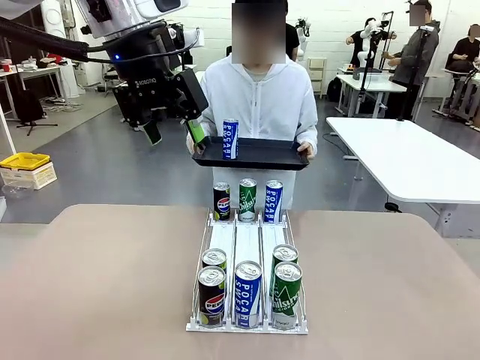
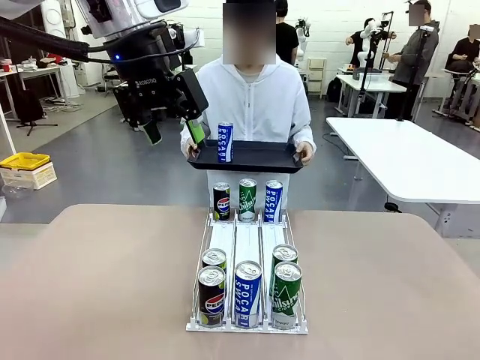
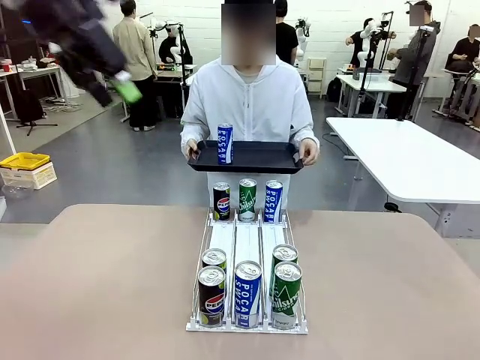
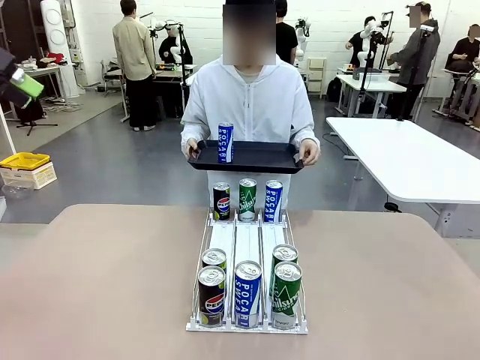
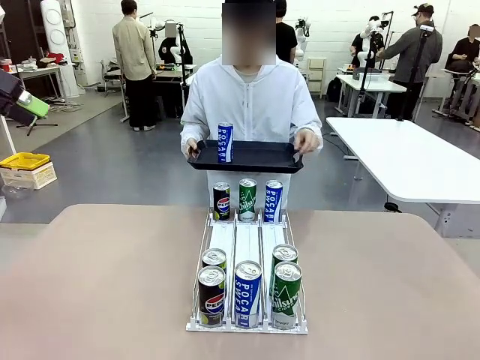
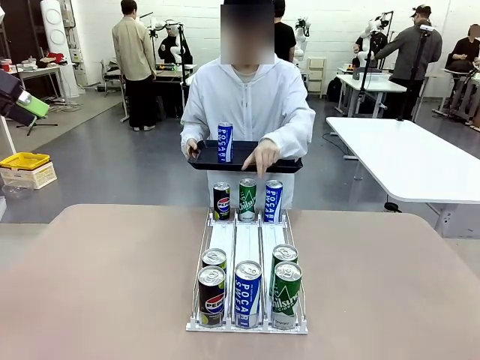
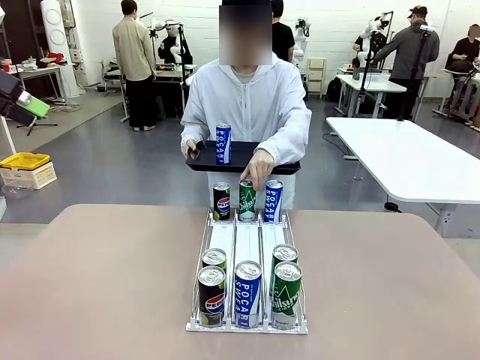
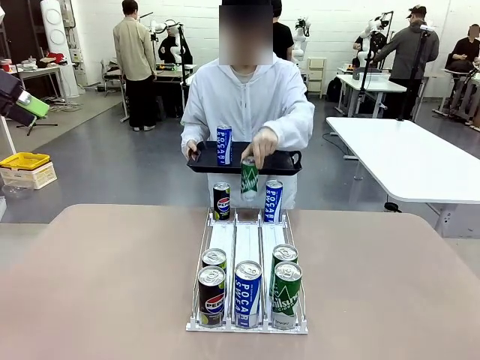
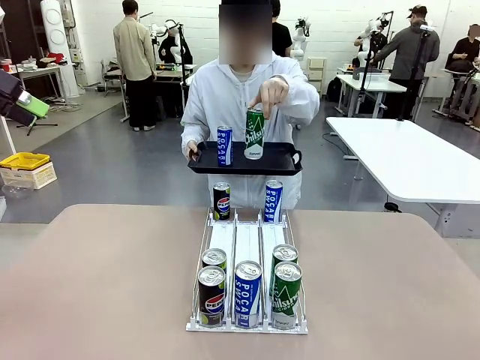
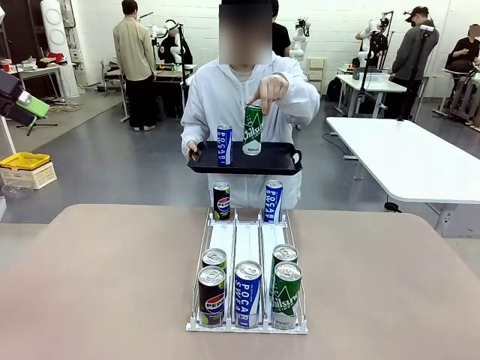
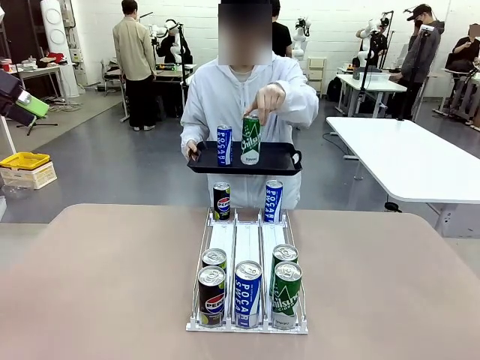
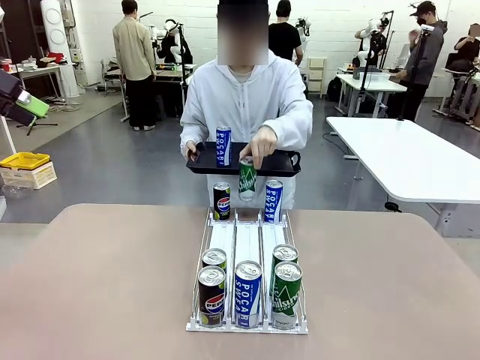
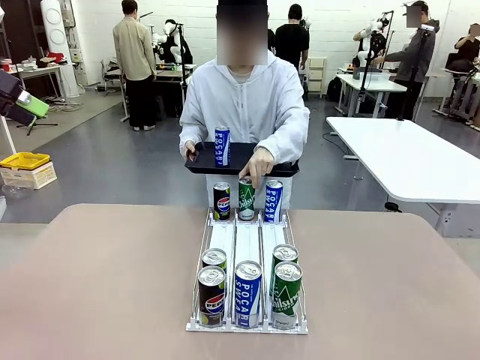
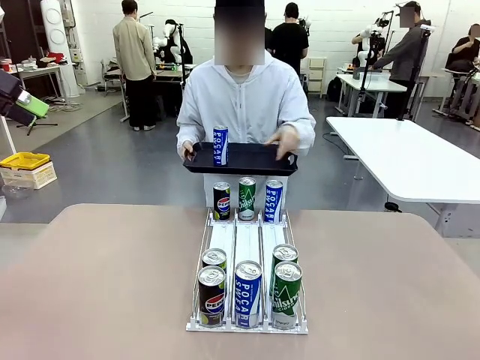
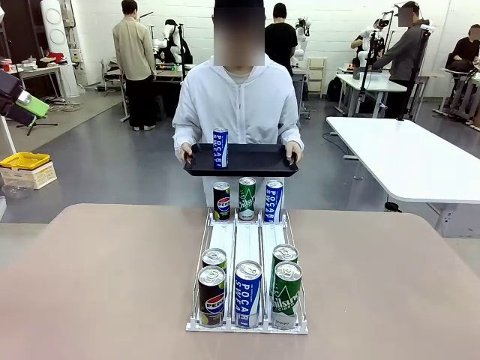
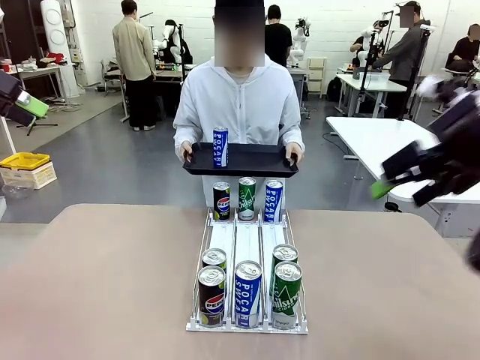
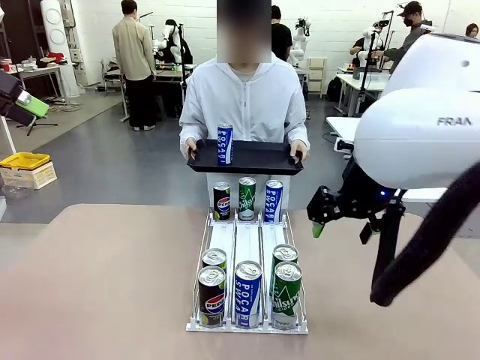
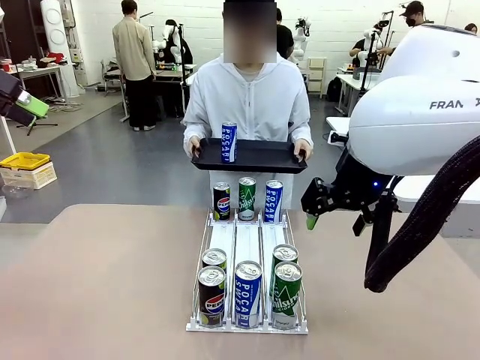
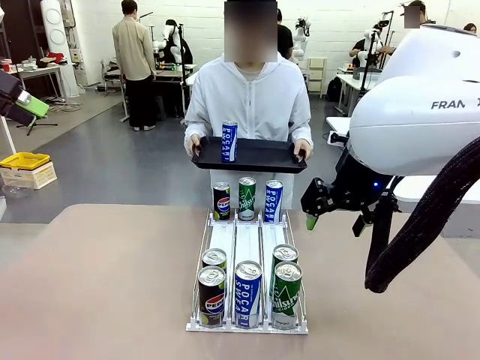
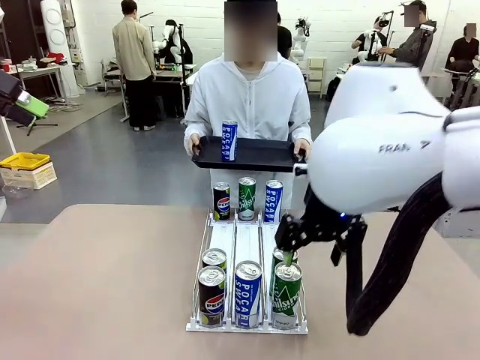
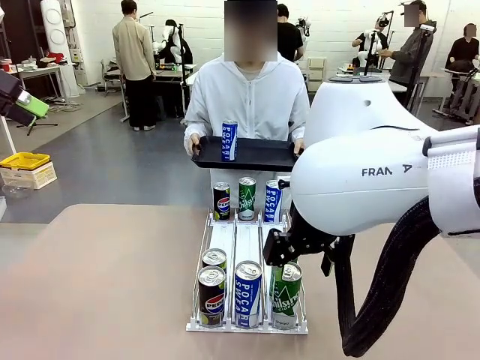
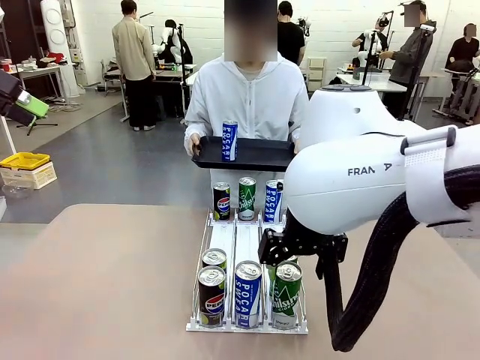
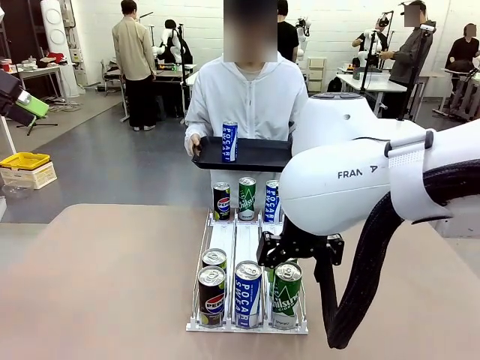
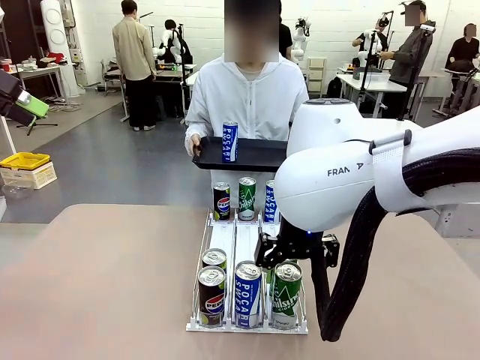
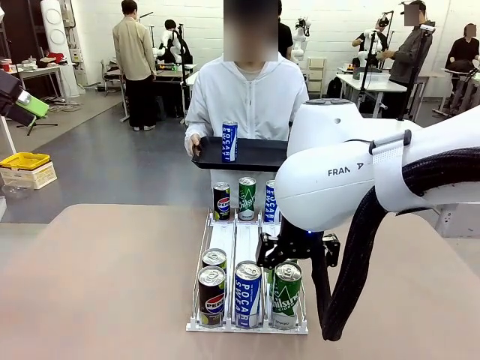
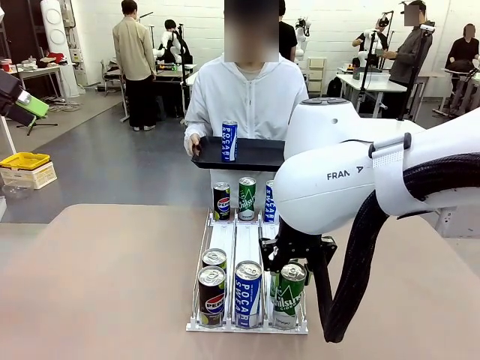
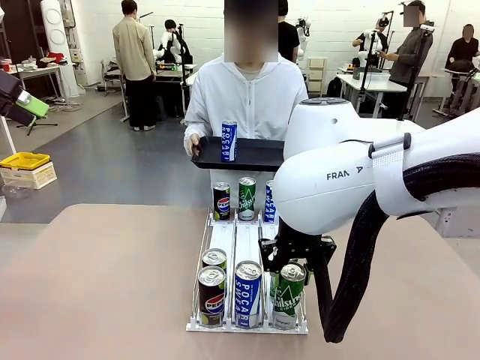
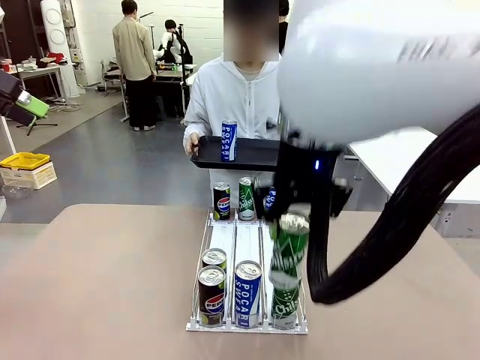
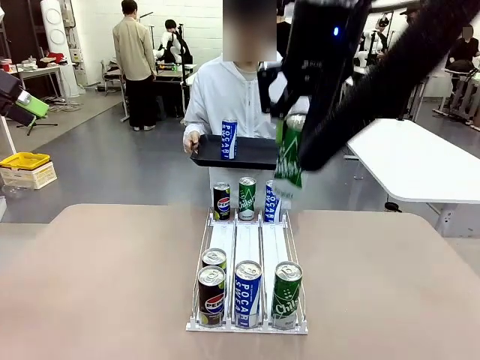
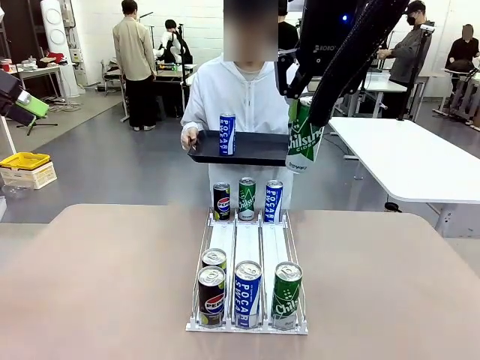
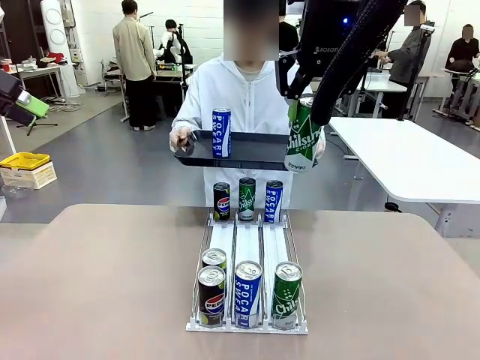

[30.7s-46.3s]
Task: Retrieve and hand over the desired beverage to the person.
Robot: Pick up another can of the same type that the person held from the Automatic Can Dispenser.
Person: Pull the tray back, then pick up another can from the bottom area of the table and puts it back in its original place. Push the tray toward the robot again.

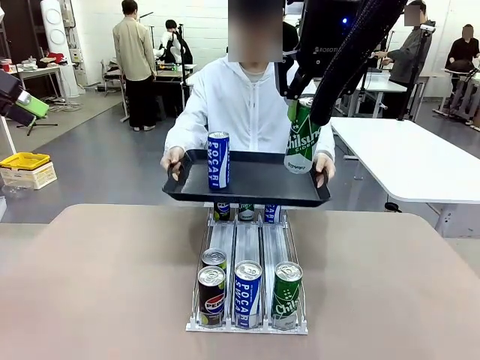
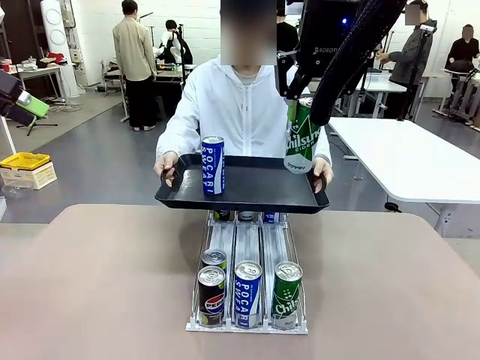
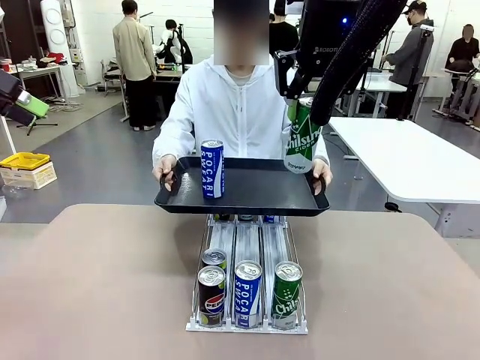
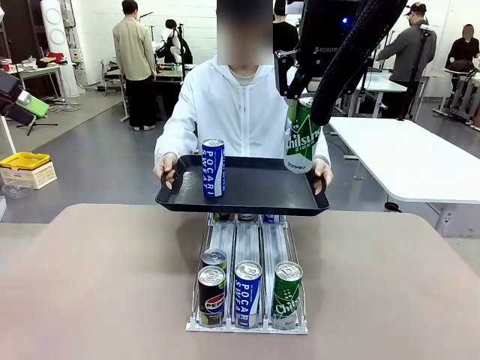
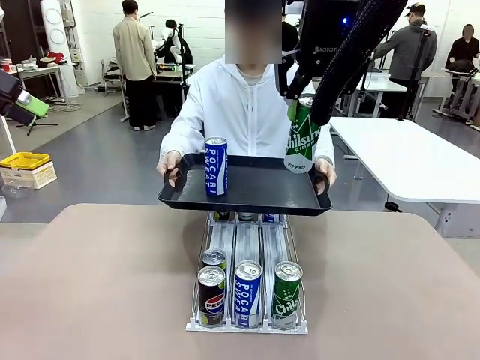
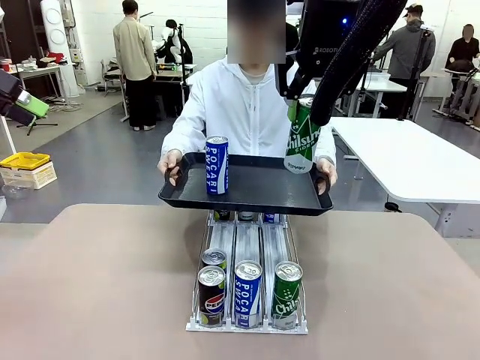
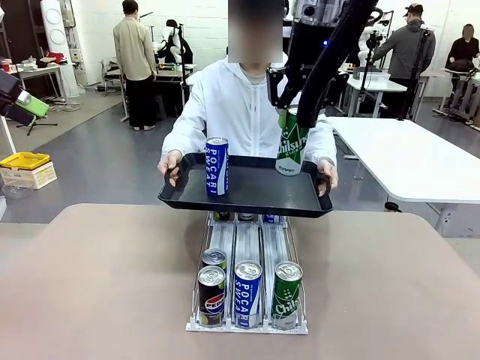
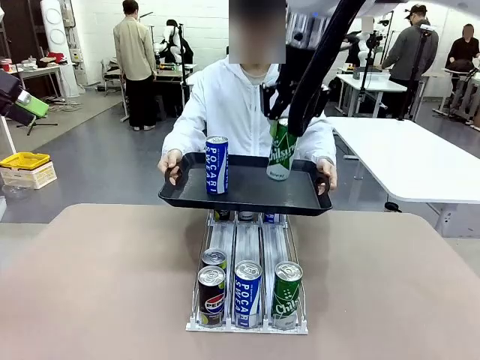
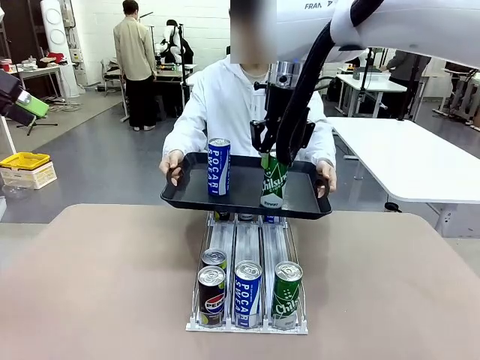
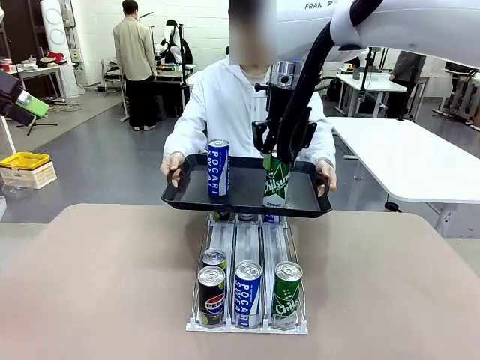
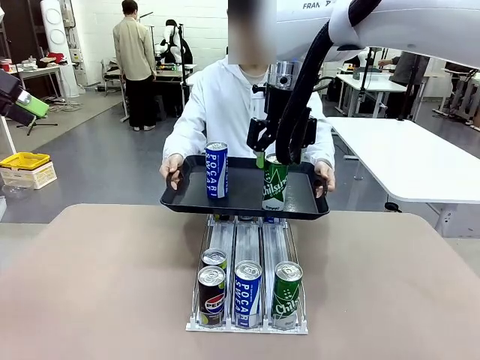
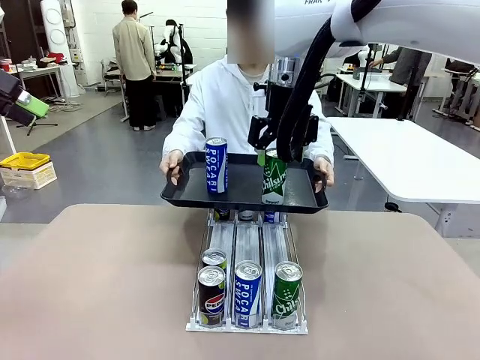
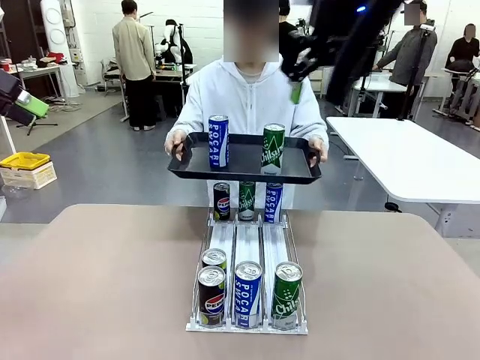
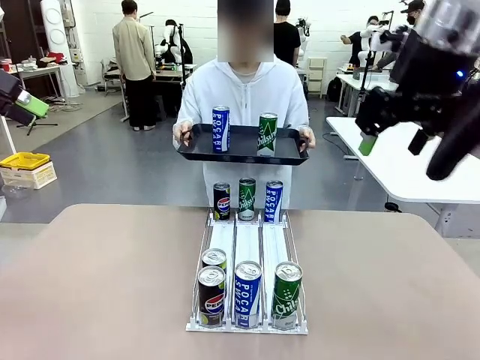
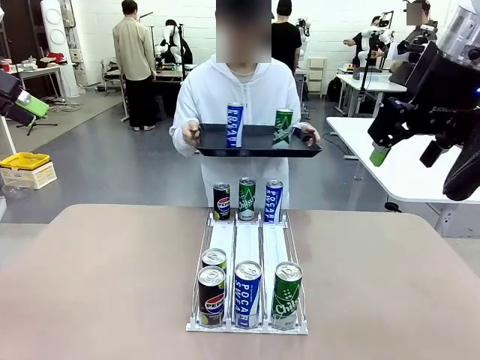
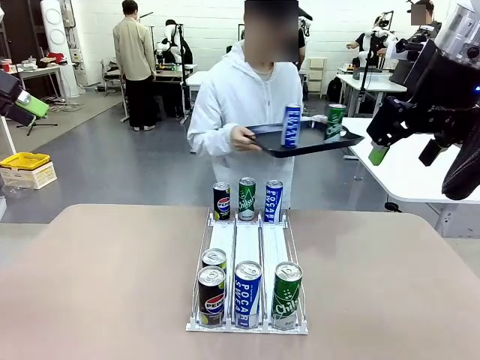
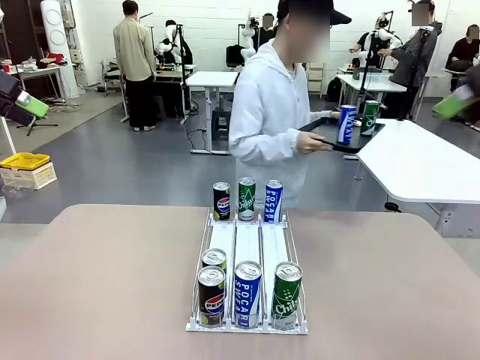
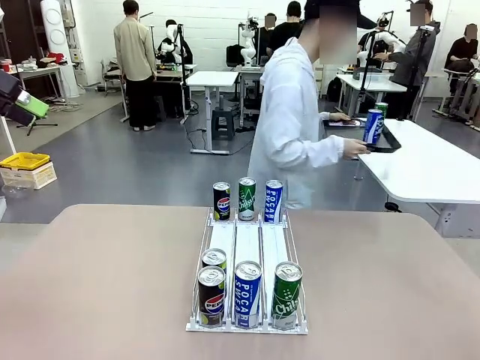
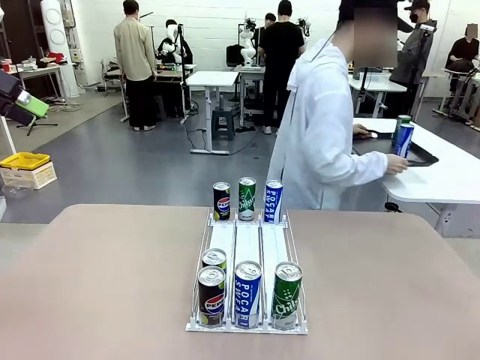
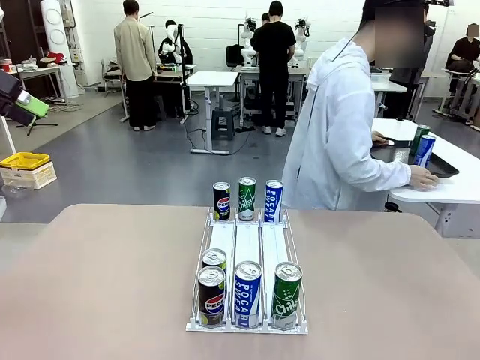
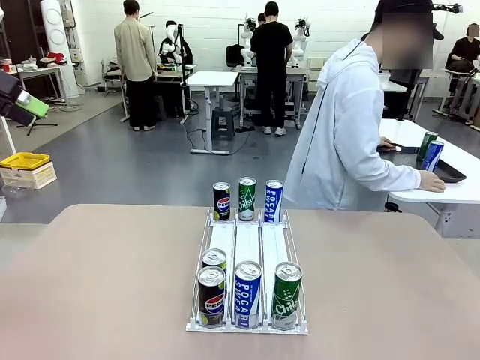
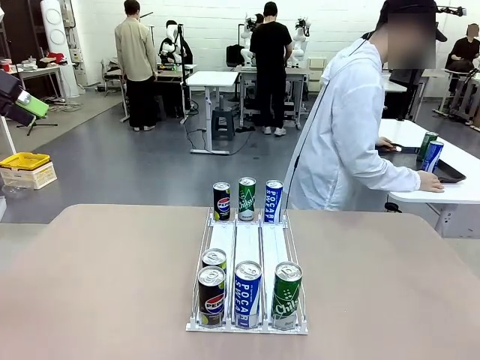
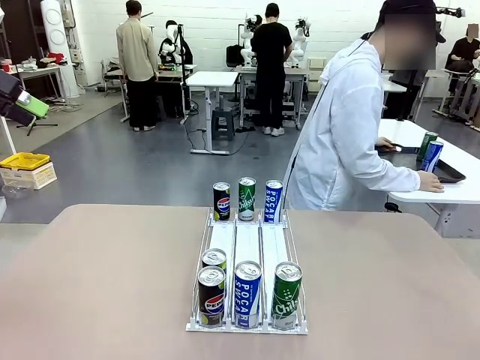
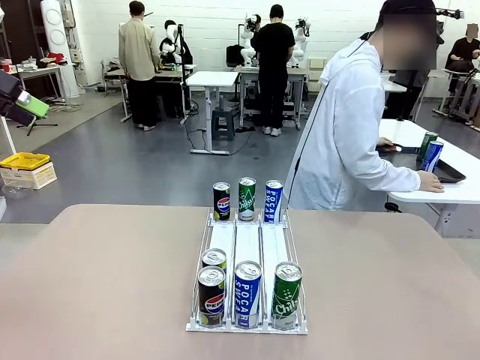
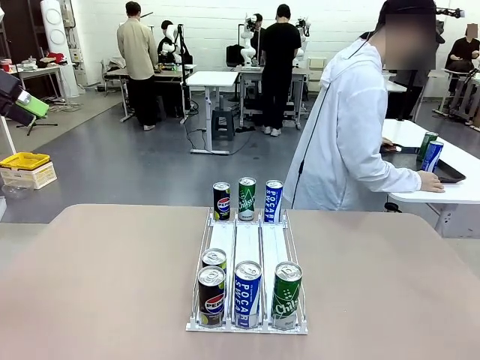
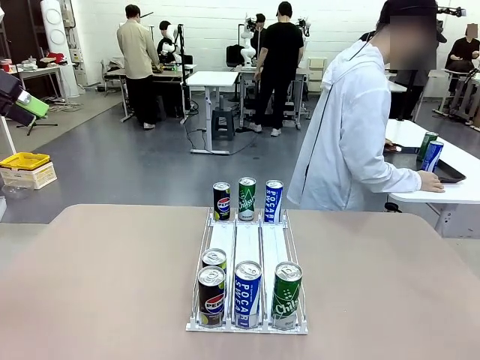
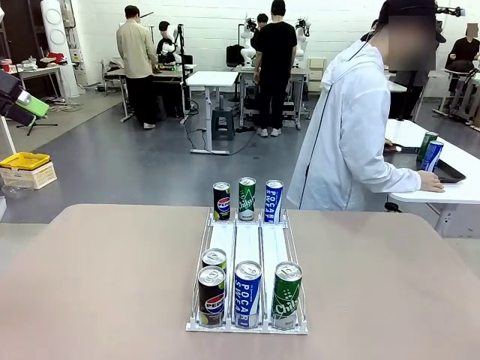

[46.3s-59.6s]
Robot: Place the picked can on the Handle tray extended by the person.
Person: Pull the tray back and place it at the center of the human table.
